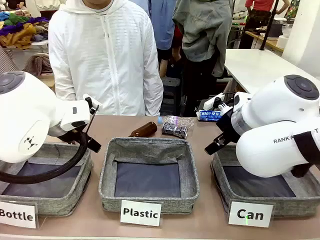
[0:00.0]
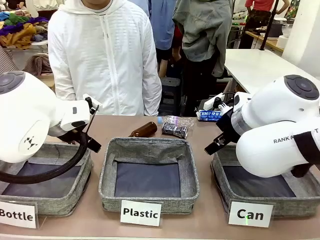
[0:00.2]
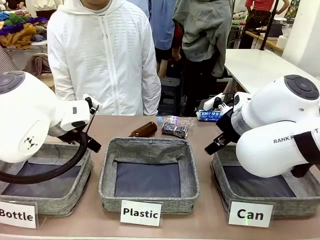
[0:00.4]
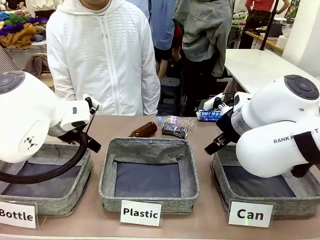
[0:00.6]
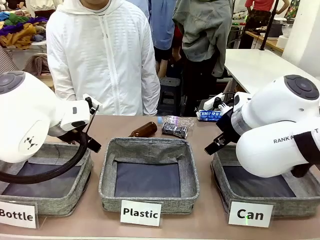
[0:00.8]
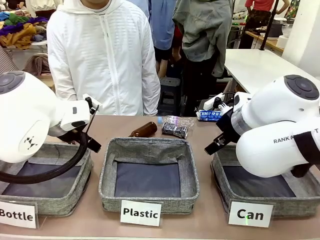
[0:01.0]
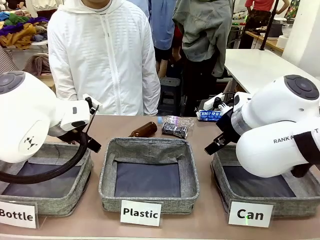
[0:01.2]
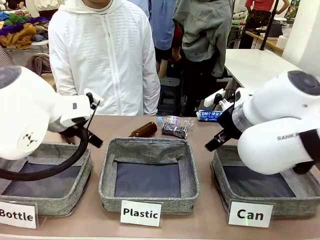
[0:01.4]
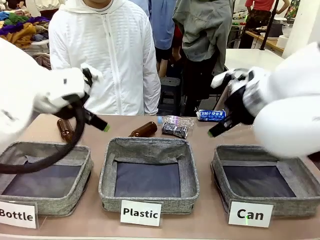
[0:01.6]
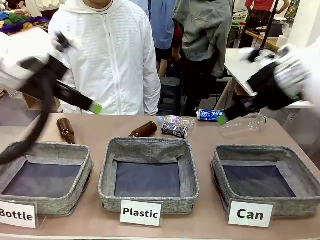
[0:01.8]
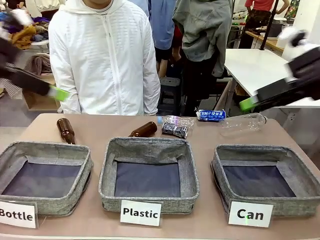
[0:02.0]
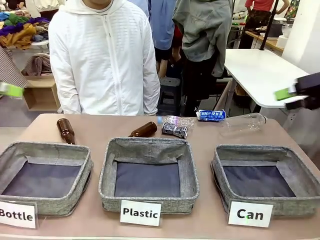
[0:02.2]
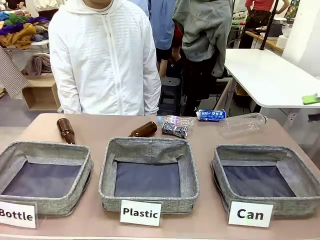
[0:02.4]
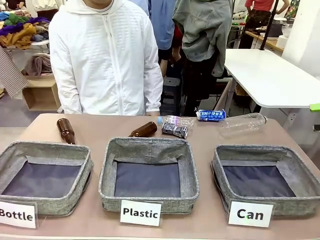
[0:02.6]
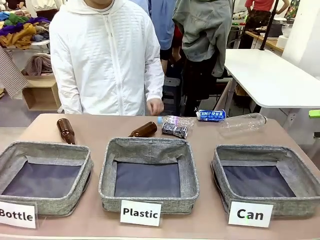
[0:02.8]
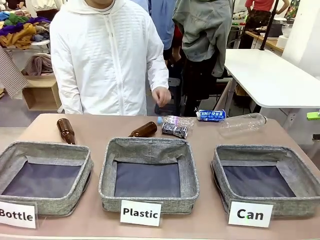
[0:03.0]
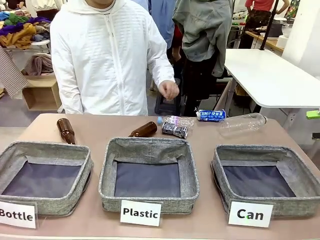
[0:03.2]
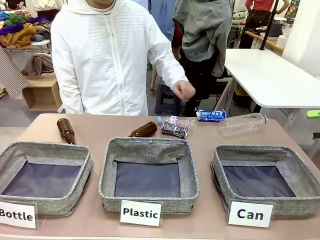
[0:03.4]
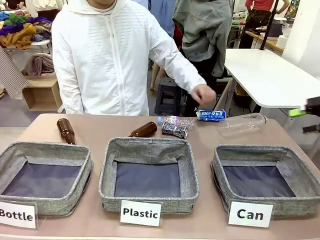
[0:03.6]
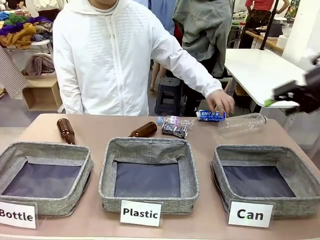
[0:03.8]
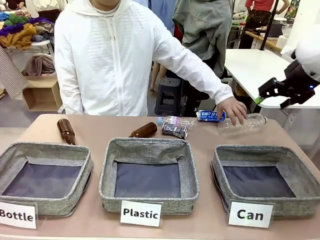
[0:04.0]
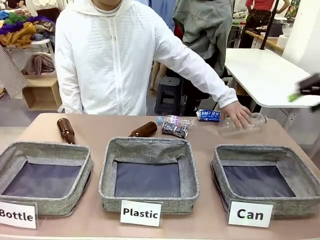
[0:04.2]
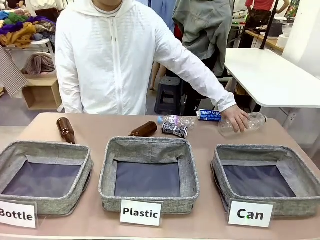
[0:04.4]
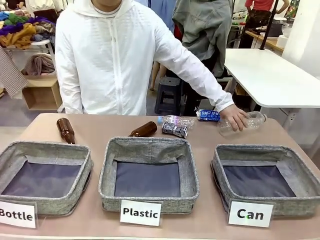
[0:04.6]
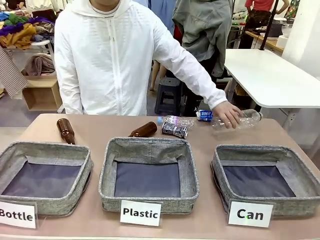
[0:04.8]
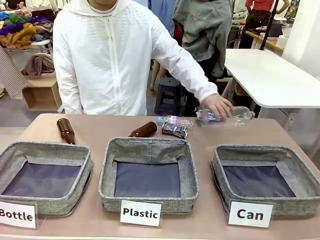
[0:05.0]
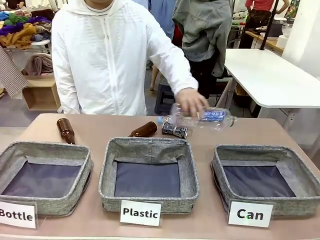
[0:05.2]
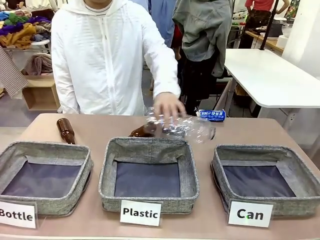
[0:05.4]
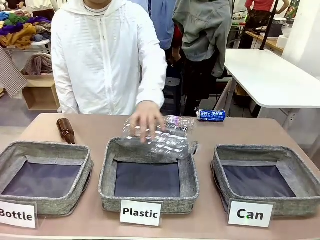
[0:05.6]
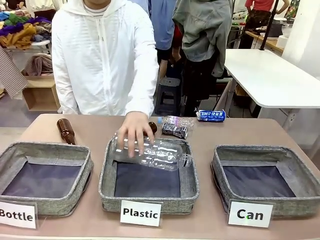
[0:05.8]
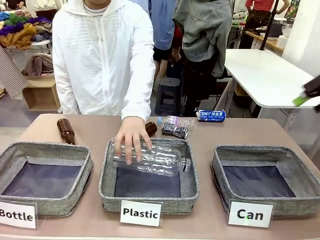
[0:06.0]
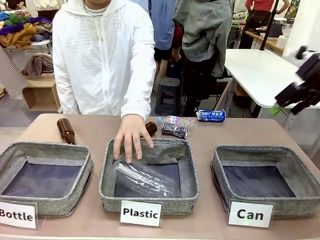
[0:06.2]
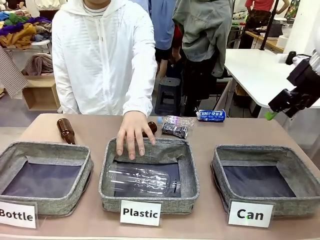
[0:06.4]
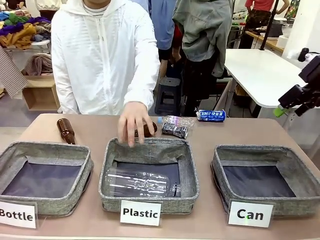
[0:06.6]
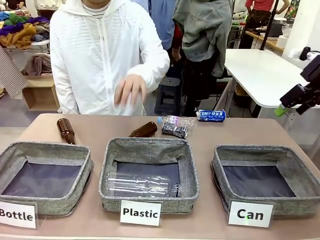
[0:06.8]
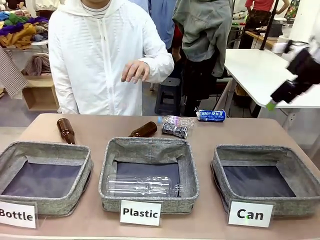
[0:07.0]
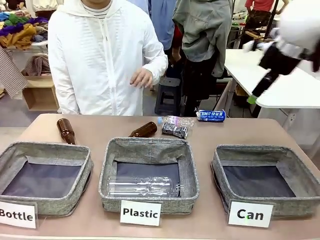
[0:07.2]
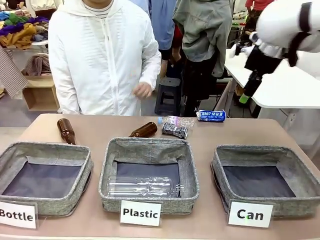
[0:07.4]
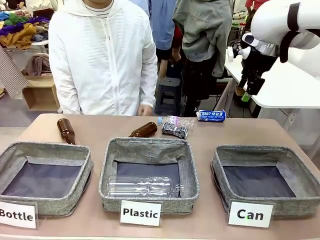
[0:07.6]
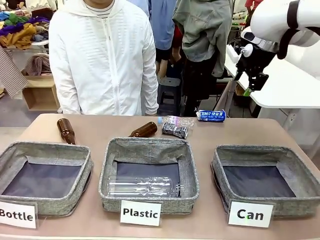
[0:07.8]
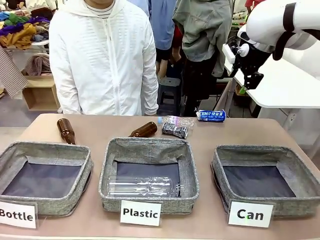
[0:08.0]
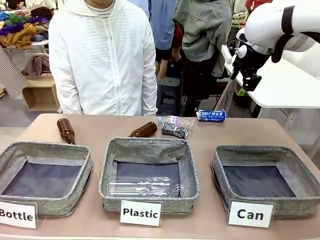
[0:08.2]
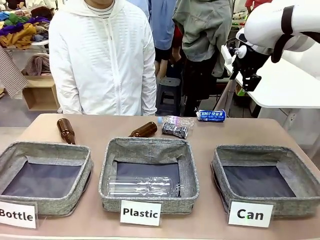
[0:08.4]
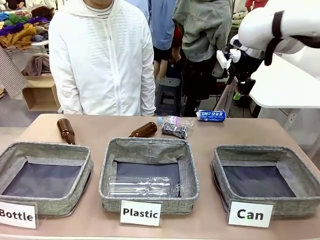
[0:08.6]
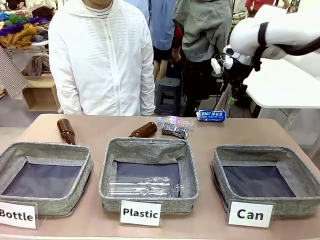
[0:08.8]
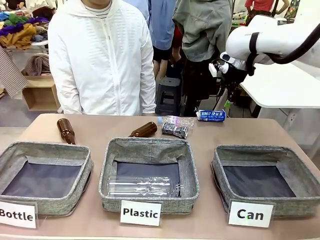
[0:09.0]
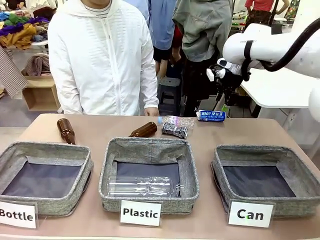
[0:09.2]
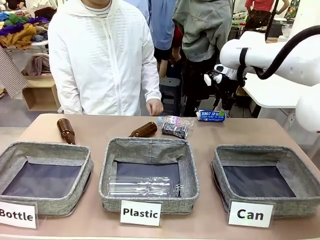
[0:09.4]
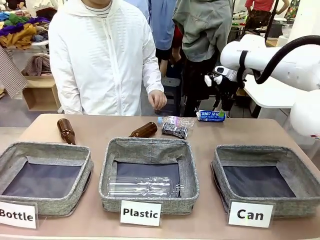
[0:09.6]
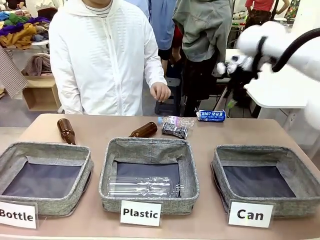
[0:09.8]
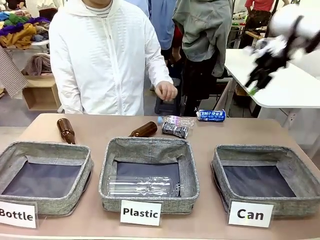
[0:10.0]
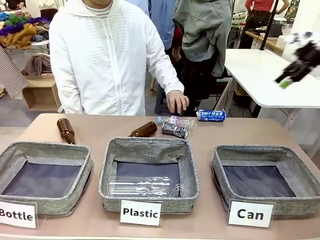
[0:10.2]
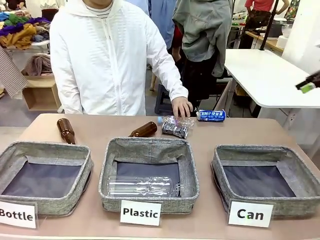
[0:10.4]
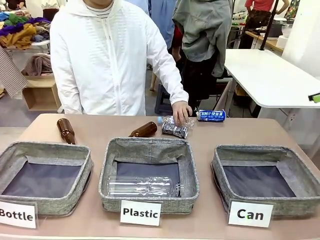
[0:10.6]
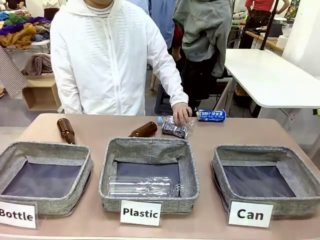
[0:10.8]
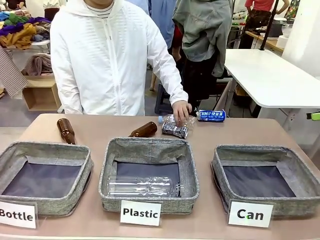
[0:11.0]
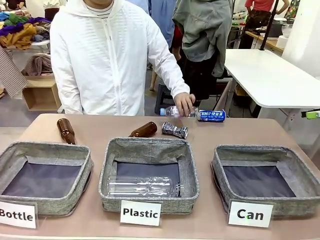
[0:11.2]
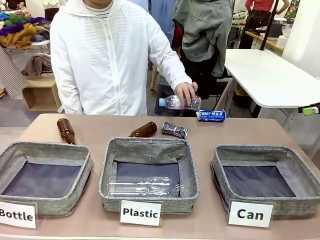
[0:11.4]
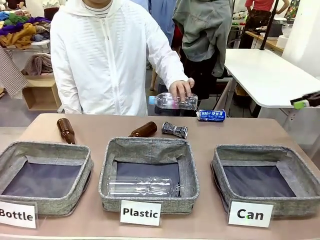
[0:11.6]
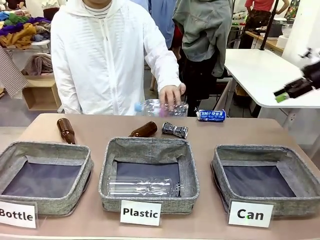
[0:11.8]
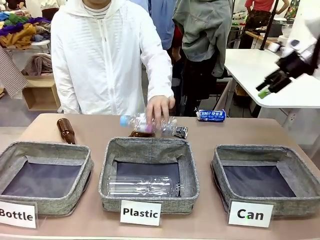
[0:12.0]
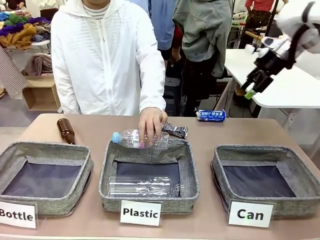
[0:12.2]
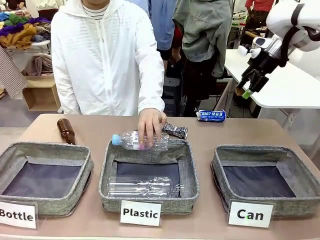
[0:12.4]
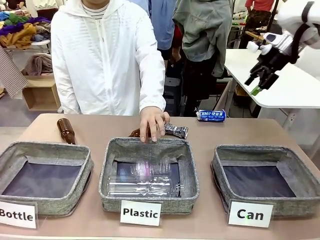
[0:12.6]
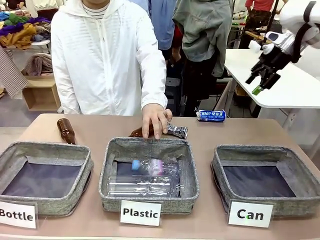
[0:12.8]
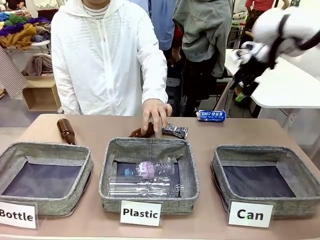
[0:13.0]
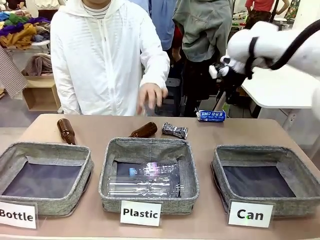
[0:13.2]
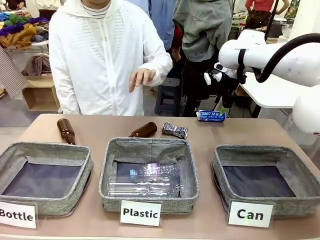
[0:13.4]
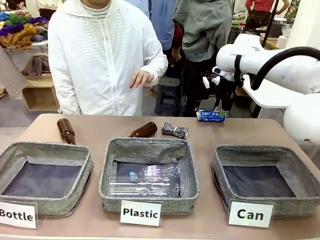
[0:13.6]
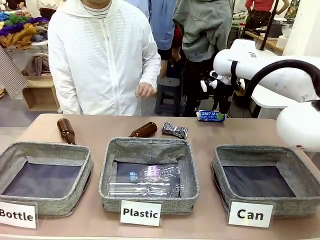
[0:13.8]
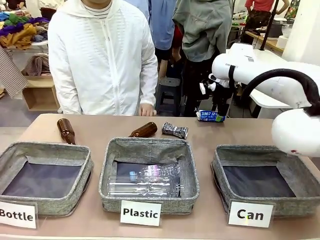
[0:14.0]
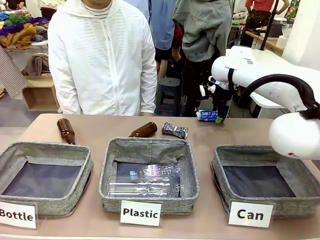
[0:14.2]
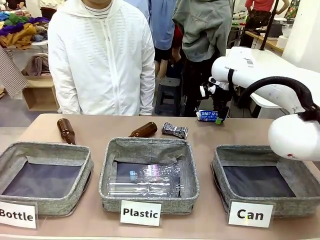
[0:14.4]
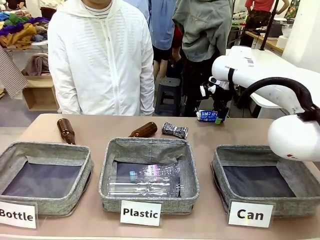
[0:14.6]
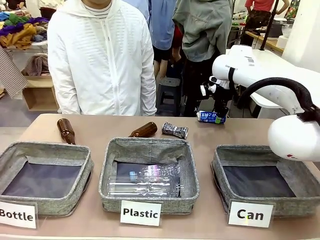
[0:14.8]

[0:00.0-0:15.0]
Task: Sort the can waste into the basket.
Robot: Pick up the can waste from the table and place it in the right Fabric basket.
